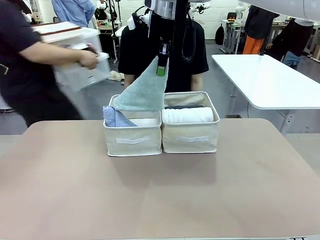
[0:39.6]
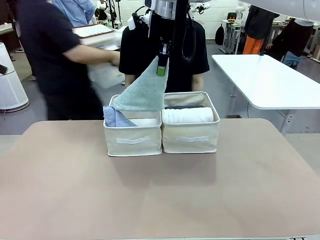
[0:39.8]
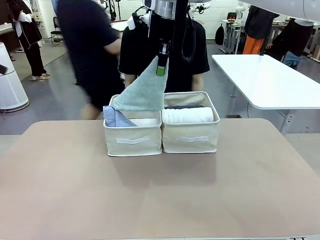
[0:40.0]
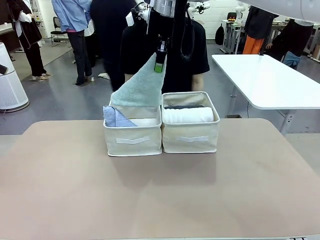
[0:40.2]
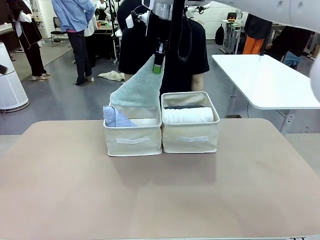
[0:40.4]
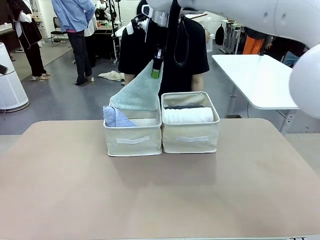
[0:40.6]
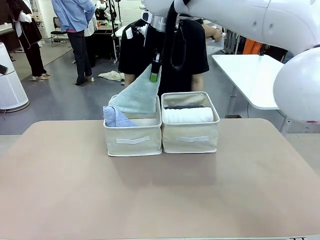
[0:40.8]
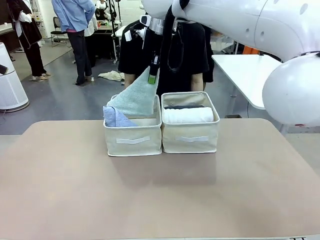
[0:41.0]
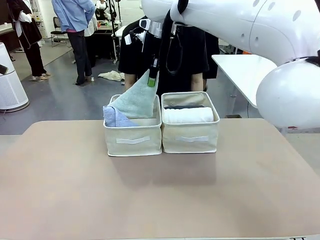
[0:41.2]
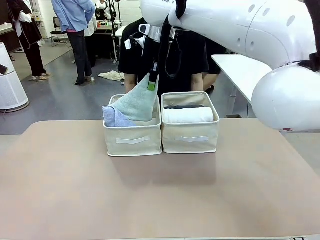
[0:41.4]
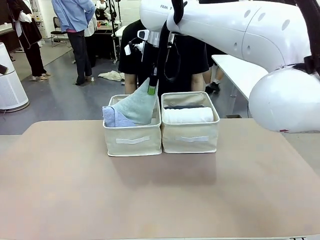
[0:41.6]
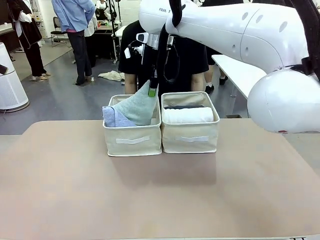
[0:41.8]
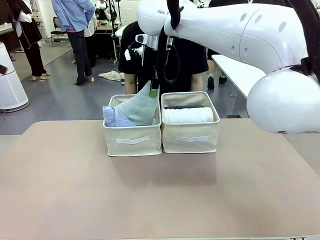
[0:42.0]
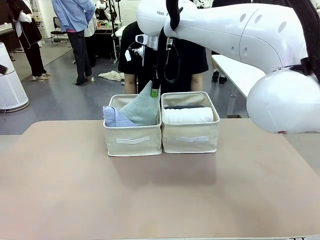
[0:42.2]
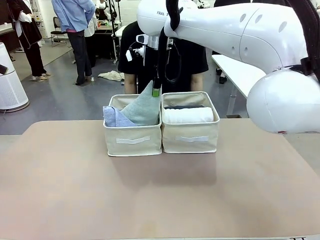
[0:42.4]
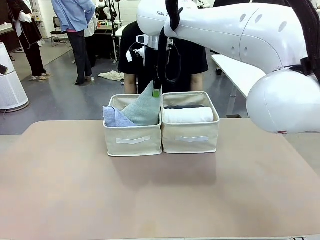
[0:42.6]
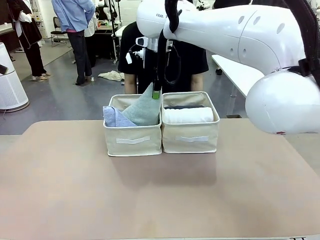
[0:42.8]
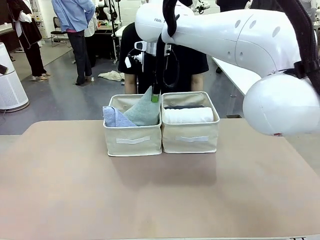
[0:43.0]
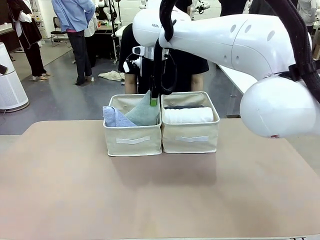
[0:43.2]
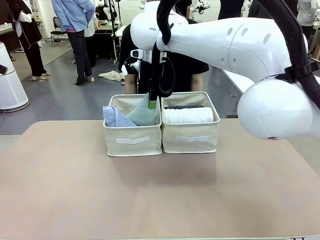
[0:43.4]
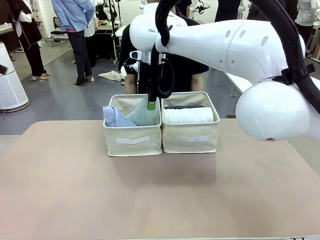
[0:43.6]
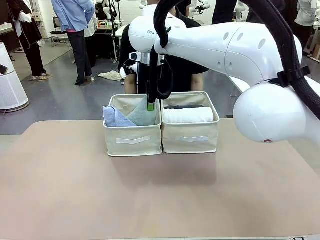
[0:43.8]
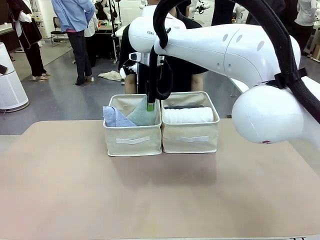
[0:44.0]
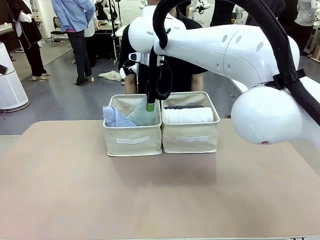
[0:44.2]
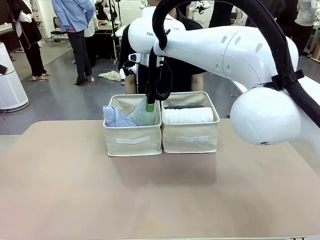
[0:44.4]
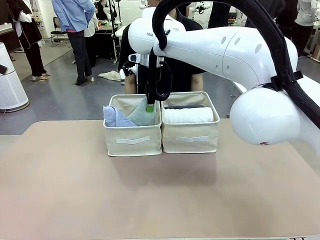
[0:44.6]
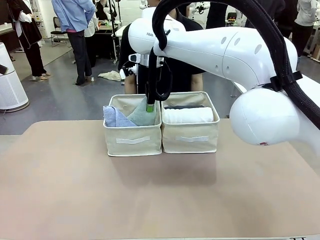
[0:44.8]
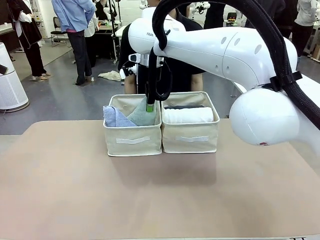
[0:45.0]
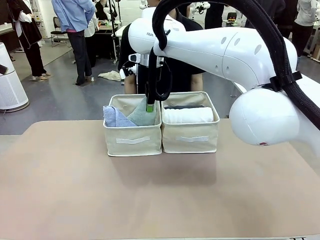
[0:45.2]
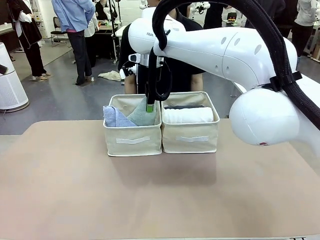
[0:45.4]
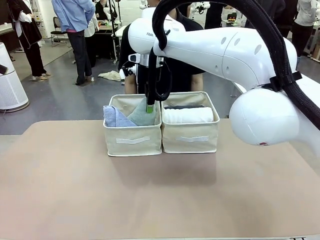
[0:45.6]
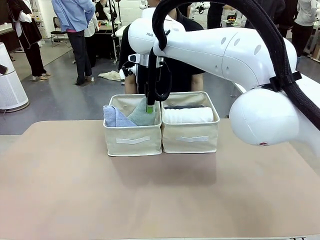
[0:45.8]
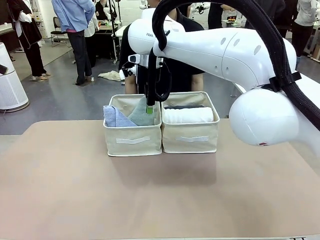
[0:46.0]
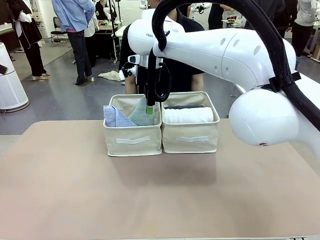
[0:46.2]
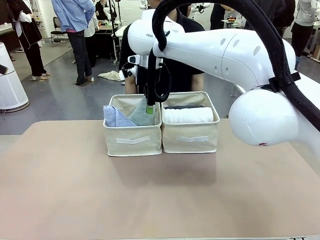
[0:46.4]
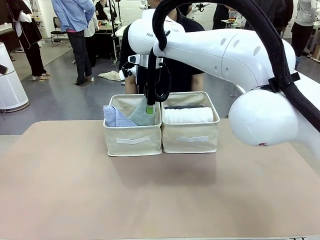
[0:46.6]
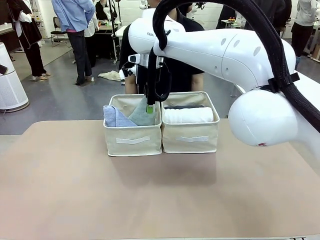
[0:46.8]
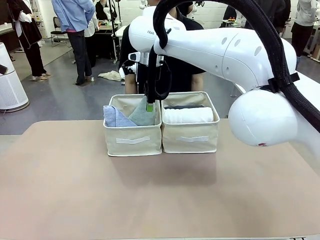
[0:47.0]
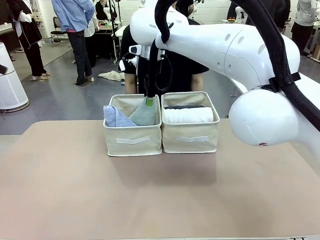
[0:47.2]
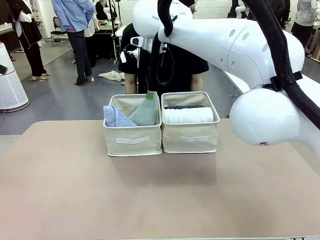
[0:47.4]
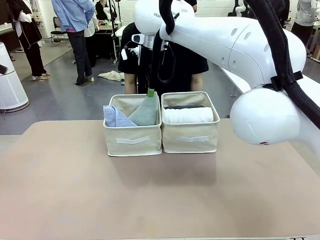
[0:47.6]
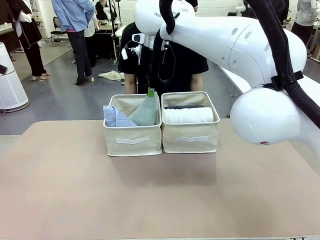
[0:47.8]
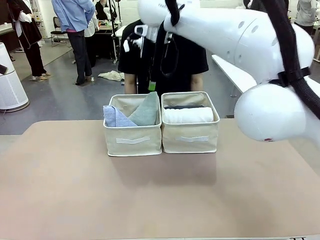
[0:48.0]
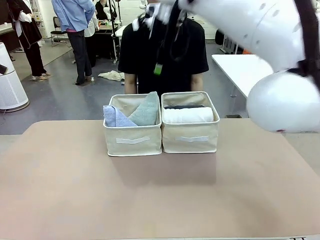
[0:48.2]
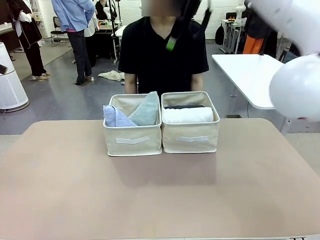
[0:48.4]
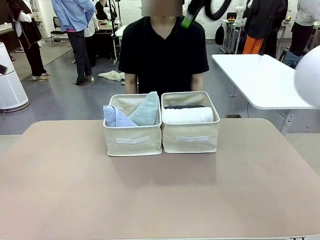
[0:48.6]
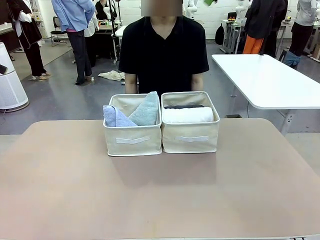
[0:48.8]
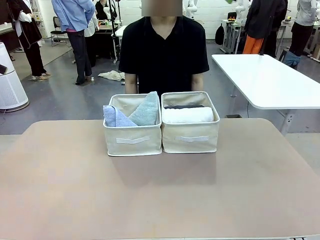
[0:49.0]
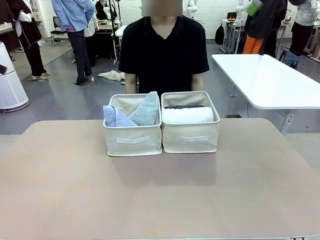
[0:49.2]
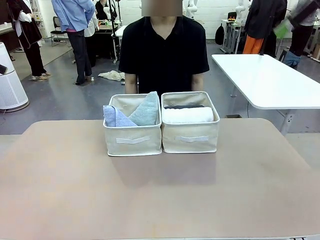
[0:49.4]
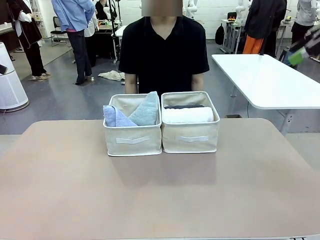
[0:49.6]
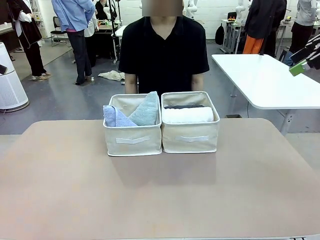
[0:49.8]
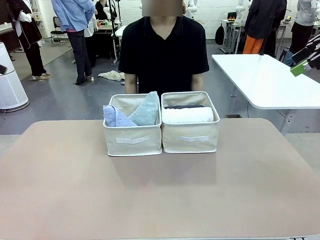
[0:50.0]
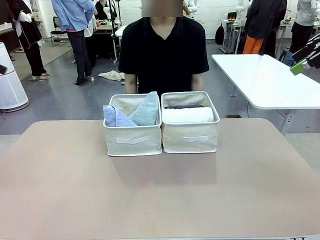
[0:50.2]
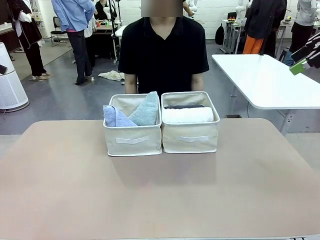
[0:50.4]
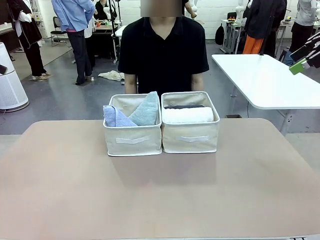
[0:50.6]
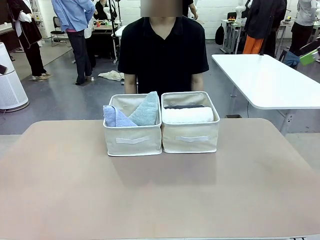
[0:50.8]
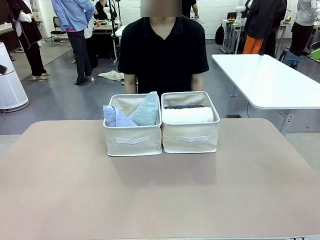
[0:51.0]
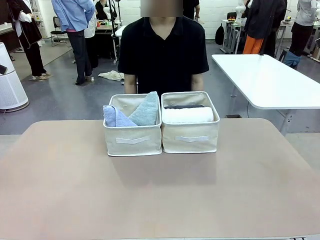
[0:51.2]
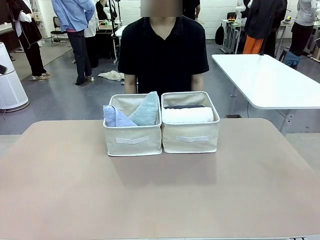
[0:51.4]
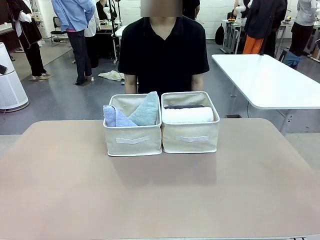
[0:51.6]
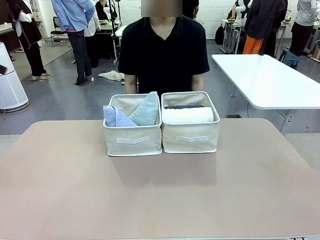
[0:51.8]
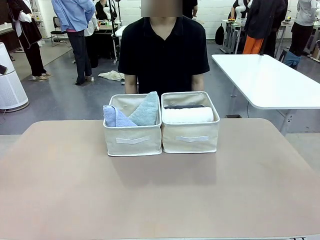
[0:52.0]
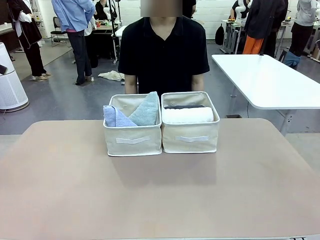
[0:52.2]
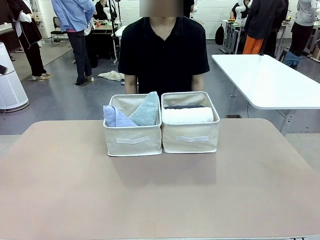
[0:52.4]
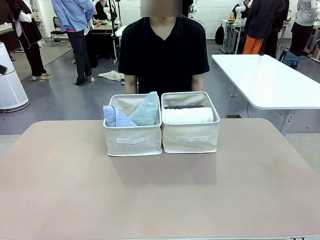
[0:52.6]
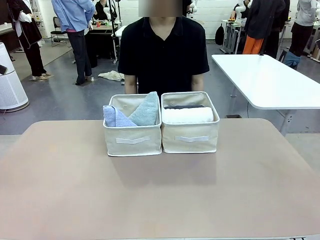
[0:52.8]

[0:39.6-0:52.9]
Task: Sort the towels based on their folding style.
Robot: Pick up another triangle-folded towel from the table and place it in the left Fabric basket.

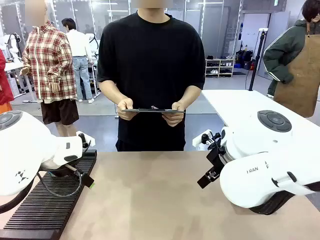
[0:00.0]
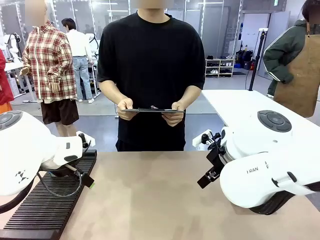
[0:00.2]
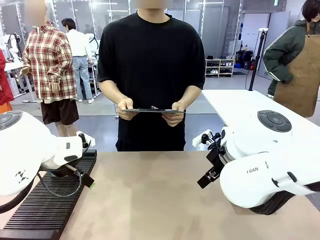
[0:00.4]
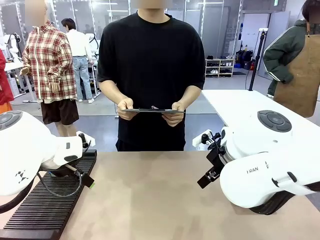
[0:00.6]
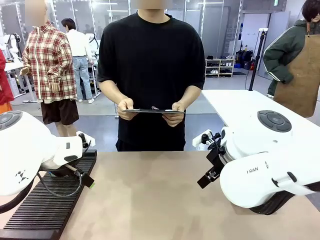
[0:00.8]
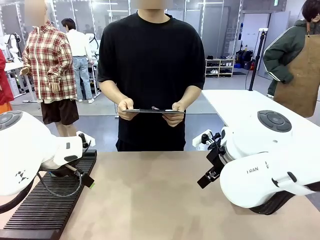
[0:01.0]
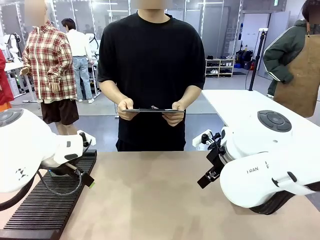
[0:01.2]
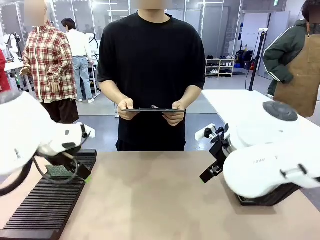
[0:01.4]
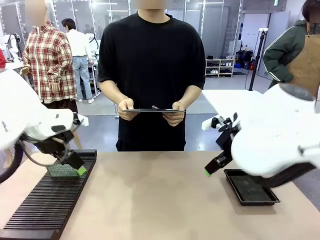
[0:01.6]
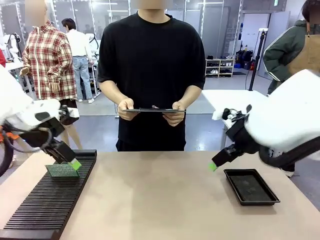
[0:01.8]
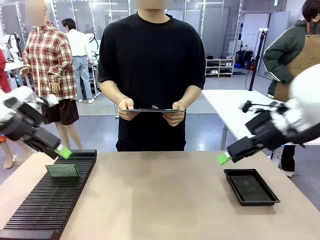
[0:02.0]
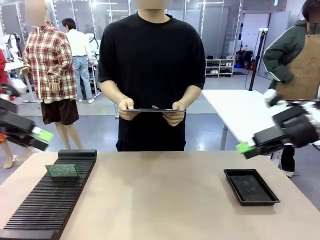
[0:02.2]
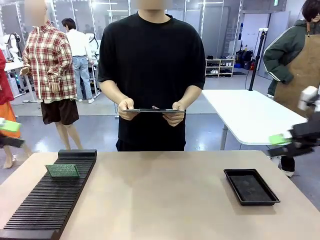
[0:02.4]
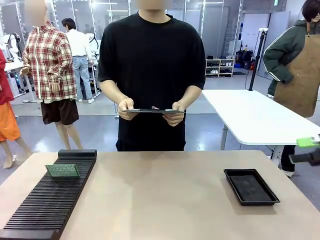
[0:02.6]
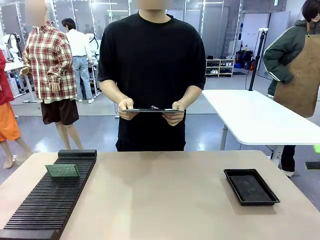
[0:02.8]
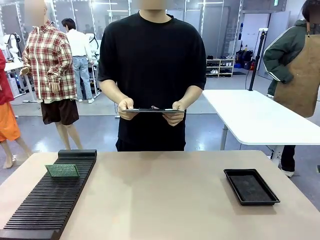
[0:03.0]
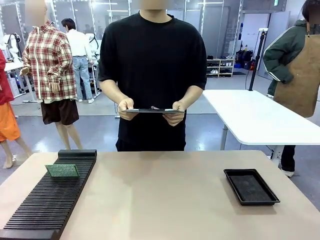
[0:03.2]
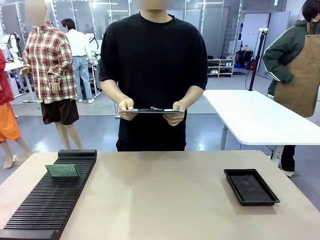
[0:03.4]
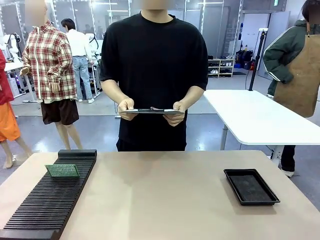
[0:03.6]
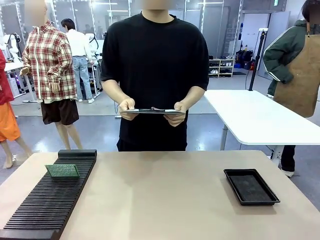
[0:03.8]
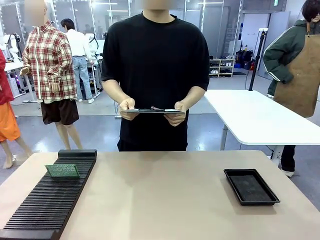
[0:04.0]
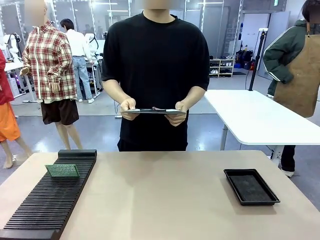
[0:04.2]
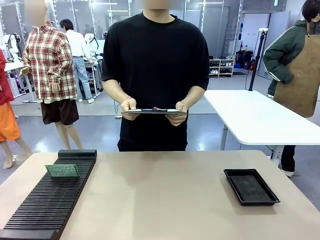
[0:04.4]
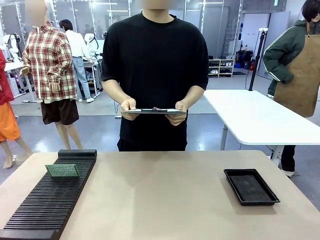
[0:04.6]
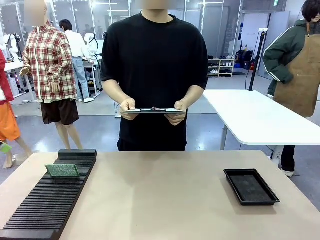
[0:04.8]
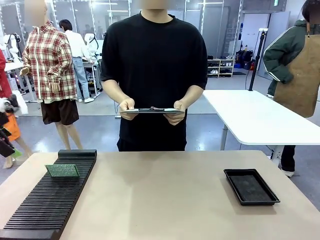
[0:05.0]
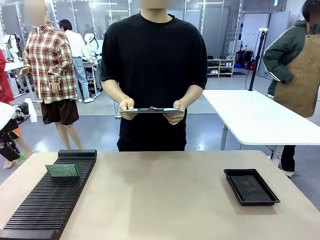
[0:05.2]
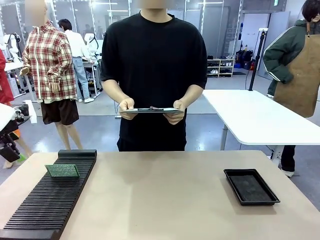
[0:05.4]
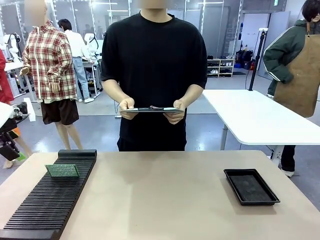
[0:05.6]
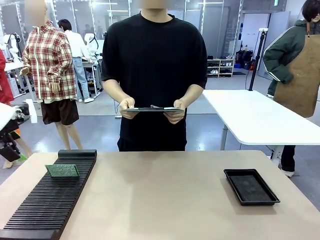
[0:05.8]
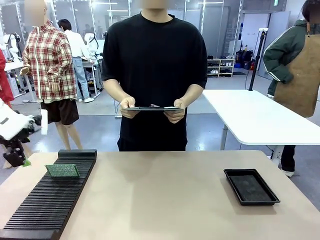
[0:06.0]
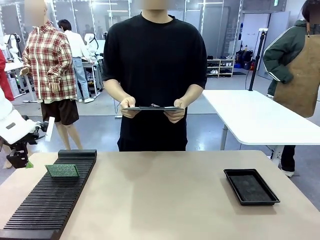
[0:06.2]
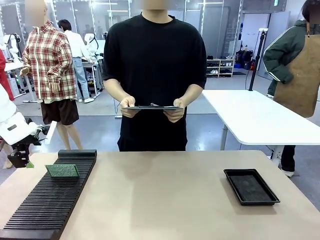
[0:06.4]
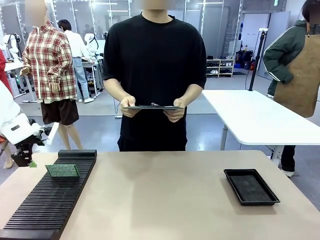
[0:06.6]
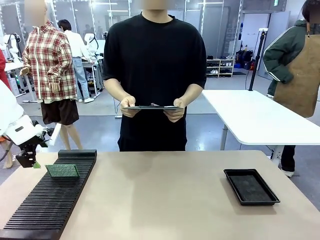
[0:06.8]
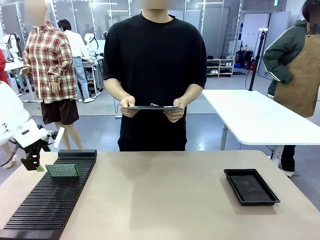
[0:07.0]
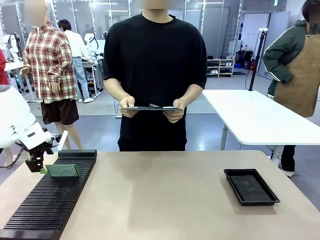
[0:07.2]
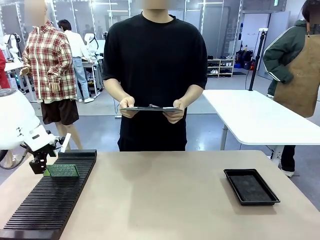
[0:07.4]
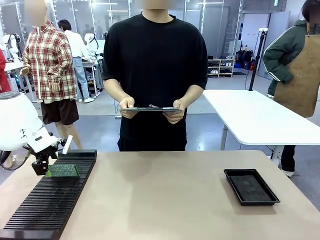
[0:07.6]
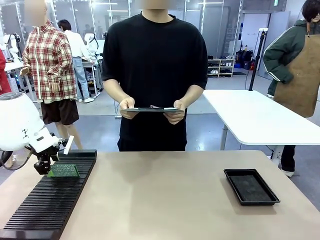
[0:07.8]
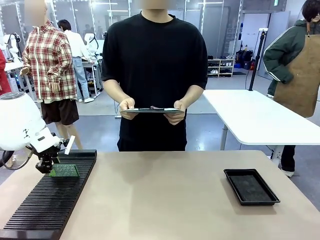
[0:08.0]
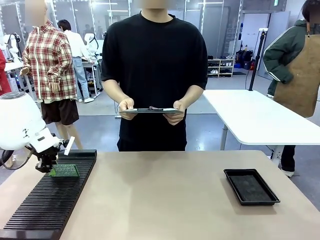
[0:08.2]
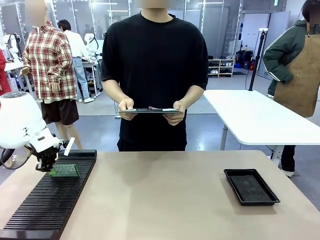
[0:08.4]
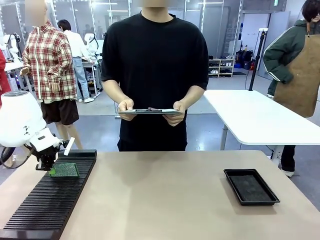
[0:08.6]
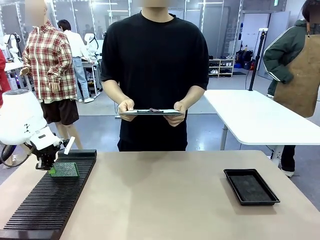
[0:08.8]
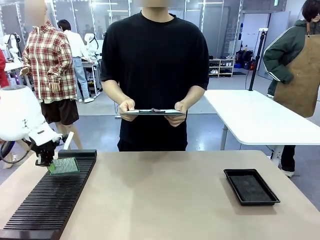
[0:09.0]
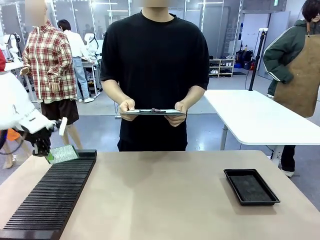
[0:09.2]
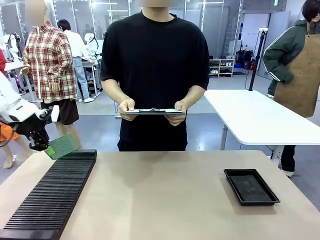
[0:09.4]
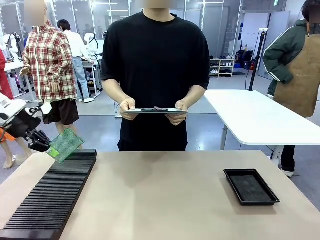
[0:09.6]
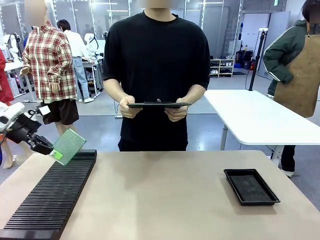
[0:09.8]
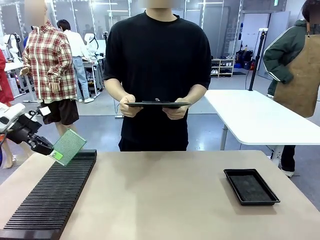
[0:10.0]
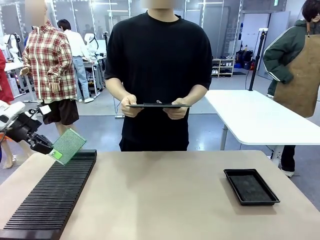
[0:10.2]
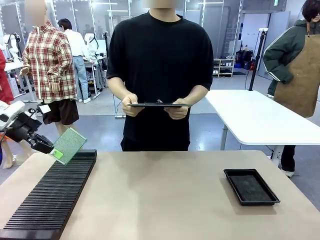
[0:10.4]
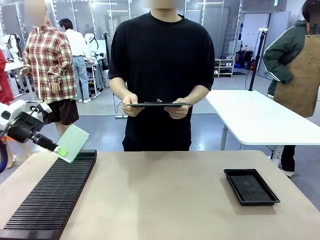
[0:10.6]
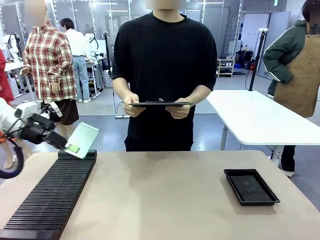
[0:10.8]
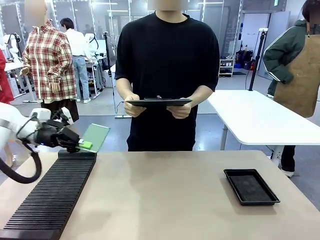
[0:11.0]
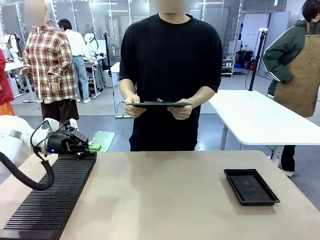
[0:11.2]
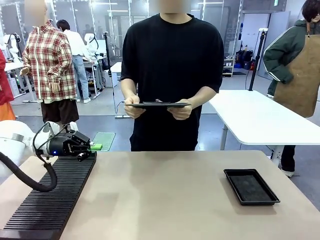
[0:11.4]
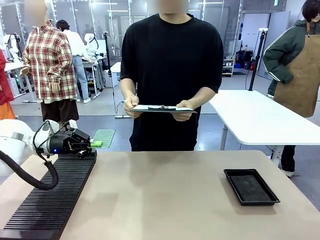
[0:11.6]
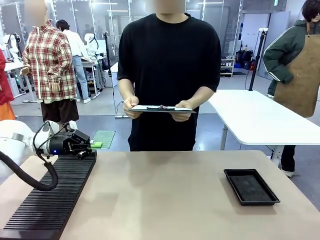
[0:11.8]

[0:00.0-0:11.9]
Task: Inspect the PCB.
Robot: Pick up the Blank PCB and present it to the human.
Person: Pick up the PCB presented by the robot.
